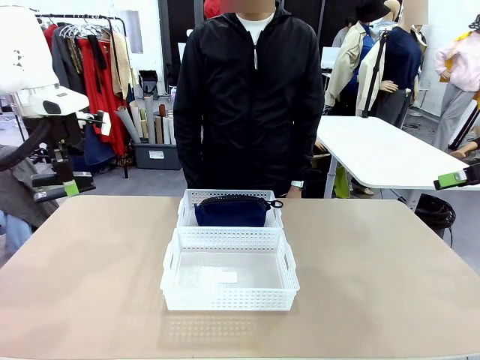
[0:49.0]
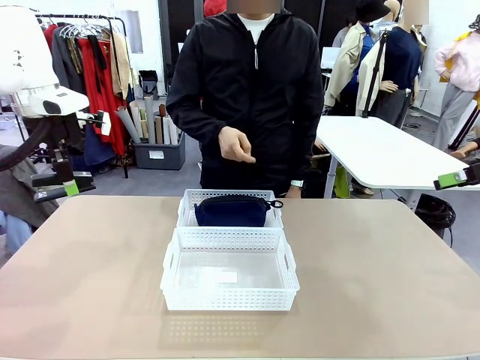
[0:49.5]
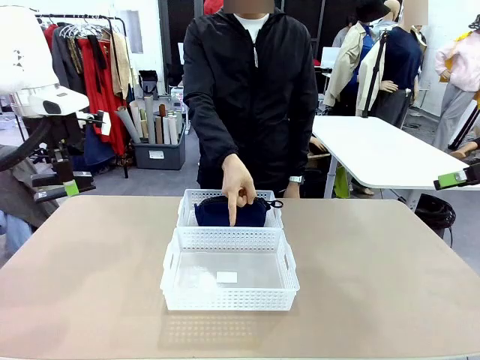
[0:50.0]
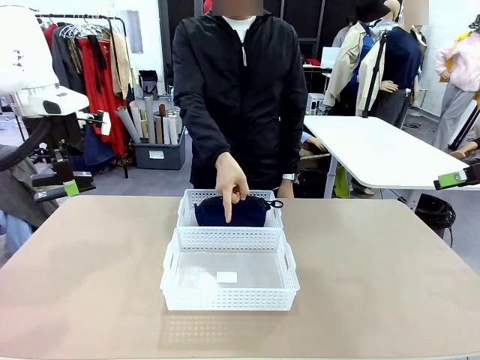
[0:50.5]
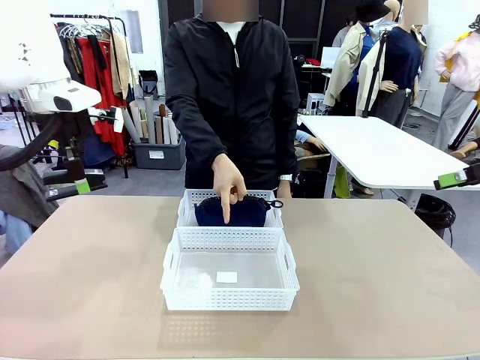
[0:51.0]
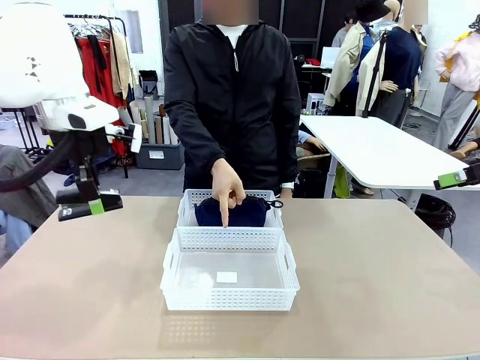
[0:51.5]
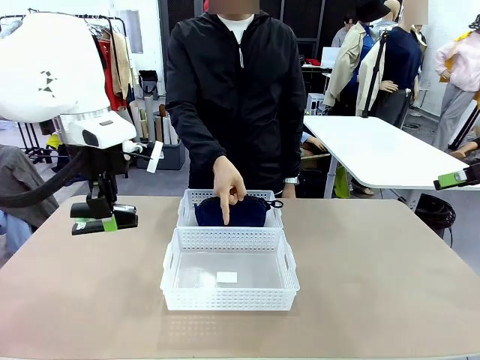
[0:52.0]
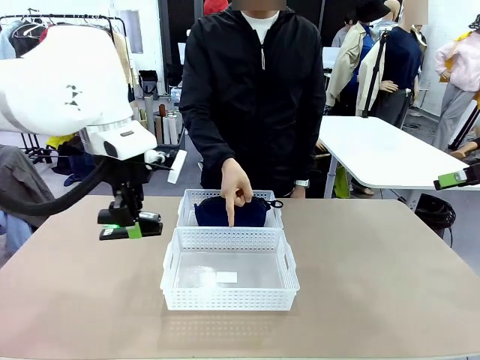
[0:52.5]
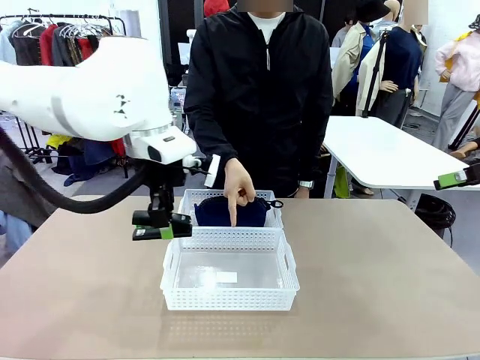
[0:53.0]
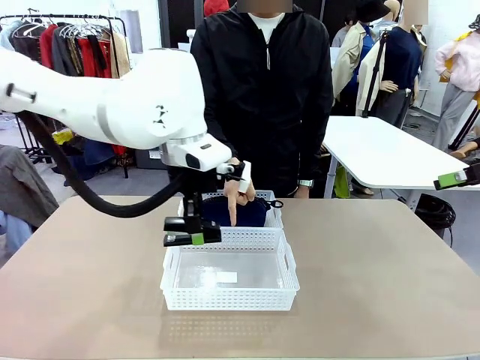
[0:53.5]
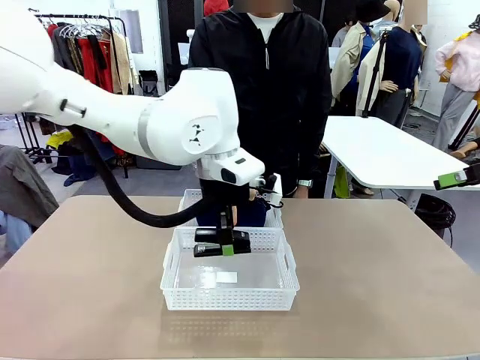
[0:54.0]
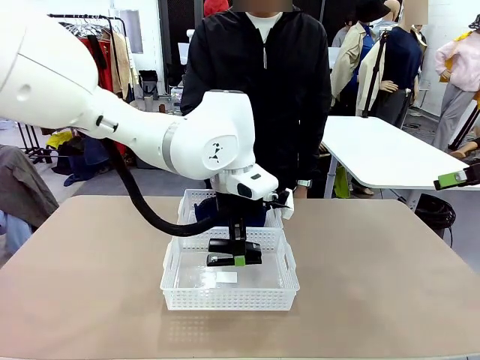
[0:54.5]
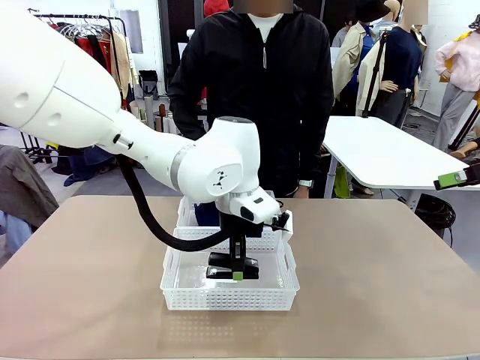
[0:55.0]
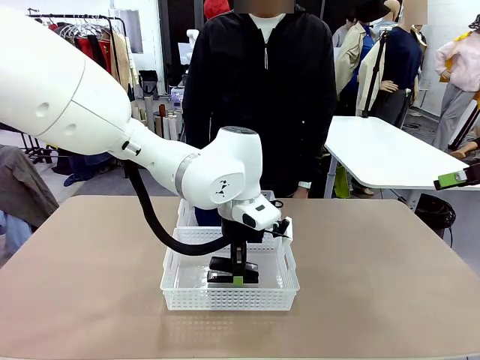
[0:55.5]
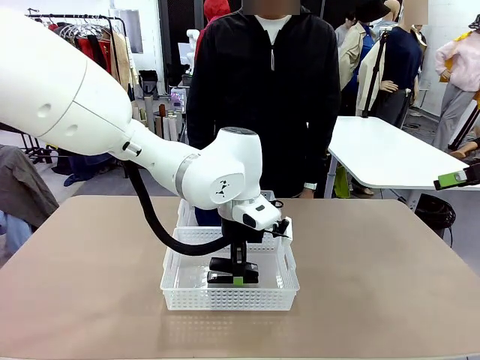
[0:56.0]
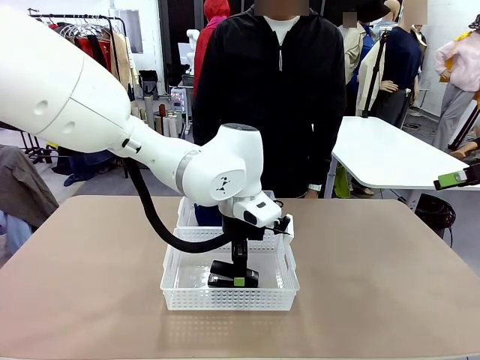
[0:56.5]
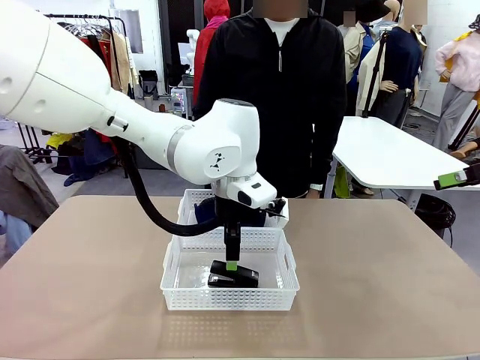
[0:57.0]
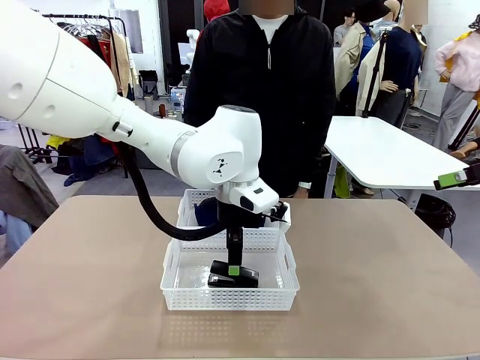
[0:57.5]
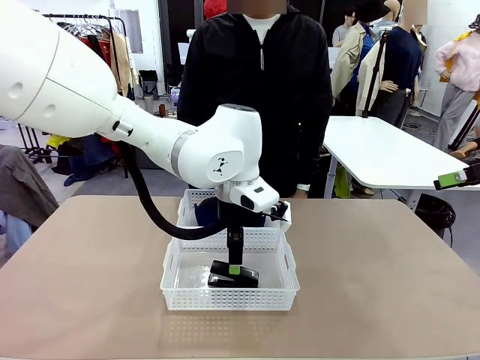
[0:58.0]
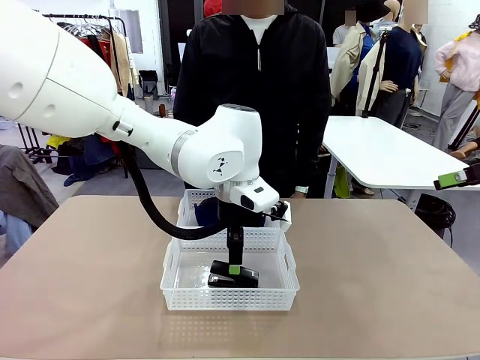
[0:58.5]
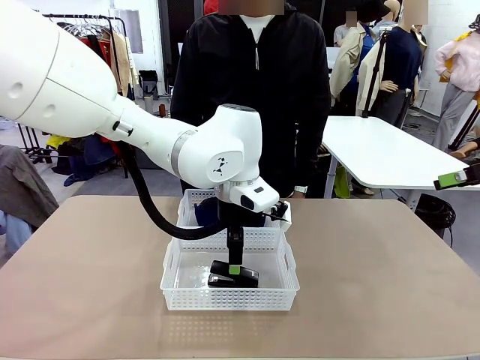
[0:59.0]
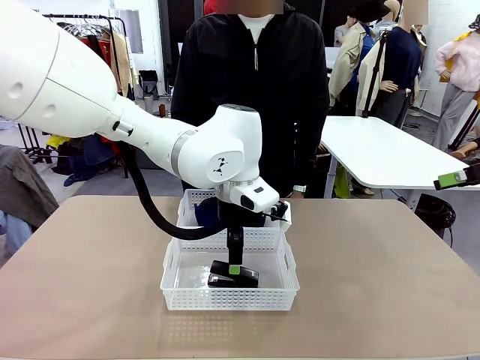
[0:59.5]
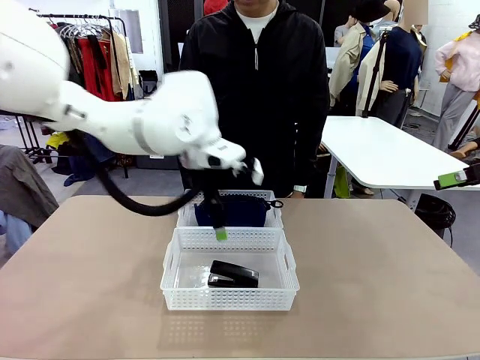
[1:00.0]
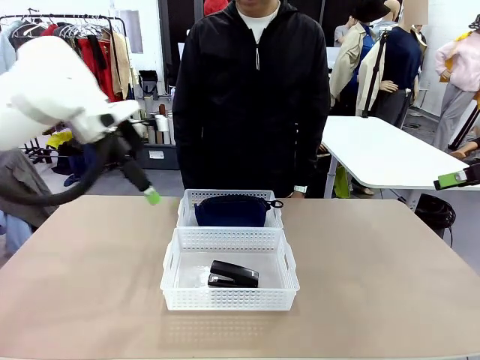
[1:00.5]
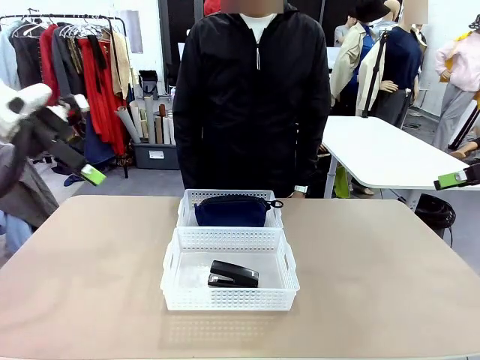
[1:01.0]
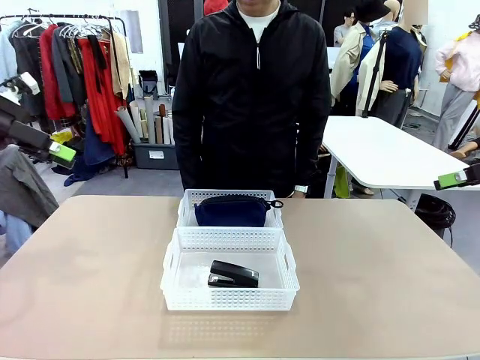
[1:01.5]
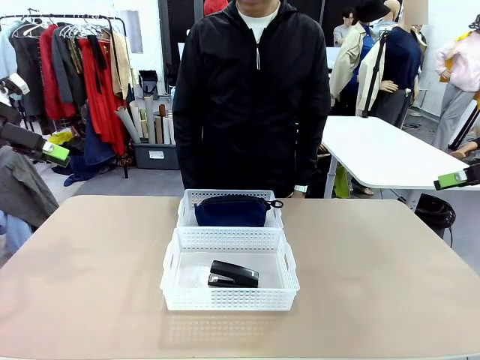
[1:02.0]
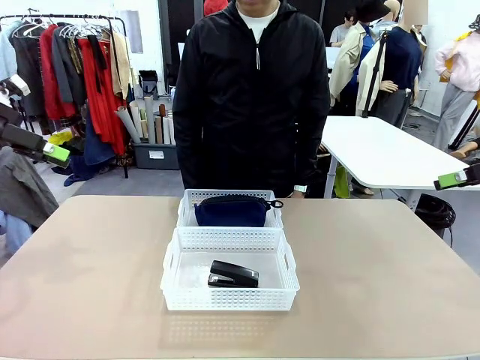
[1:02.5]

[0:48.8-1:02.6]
Task: Distribute items into two baskets.
Robot: Place the picked Stapler into the Organizing basket as instructed by the person.
Person: Points to the basket that does not contain the pencil case and instructs the robot to move the stapler there.

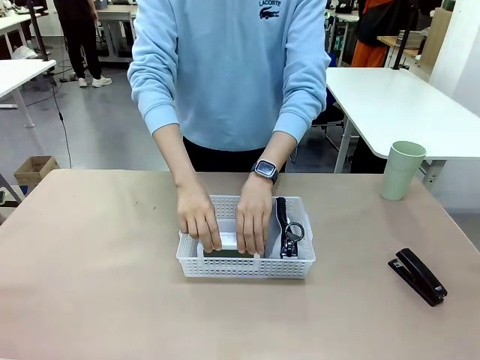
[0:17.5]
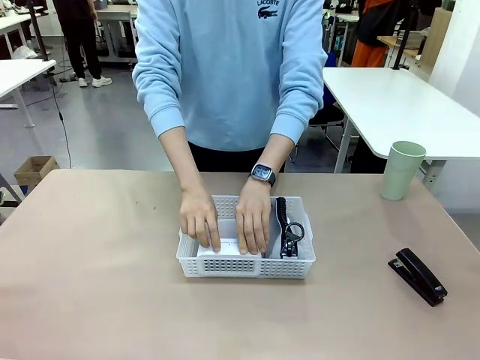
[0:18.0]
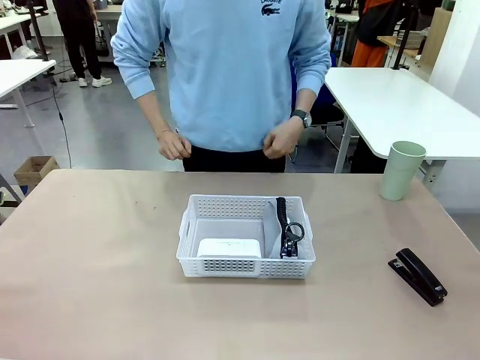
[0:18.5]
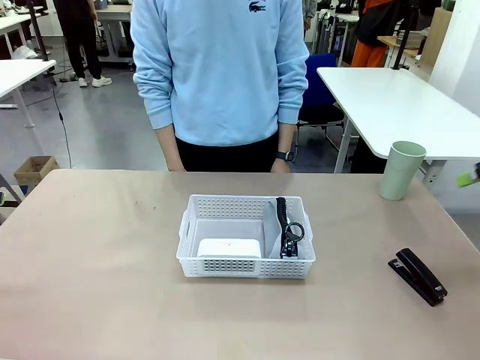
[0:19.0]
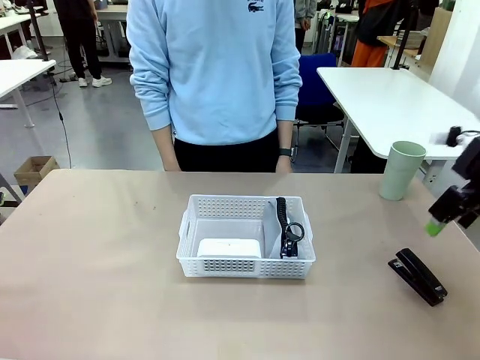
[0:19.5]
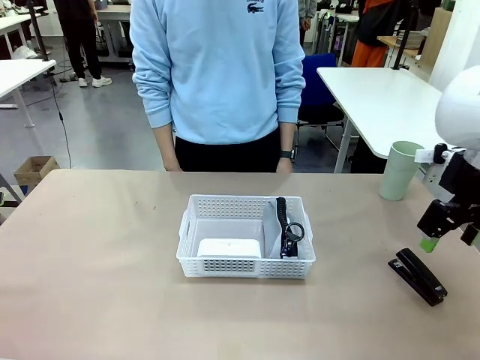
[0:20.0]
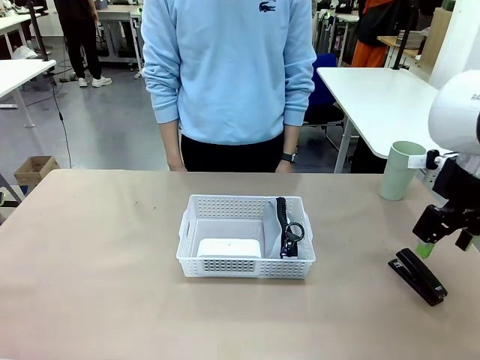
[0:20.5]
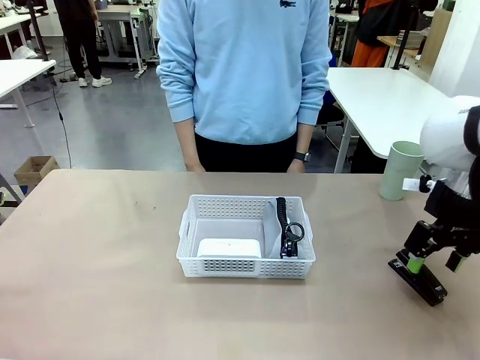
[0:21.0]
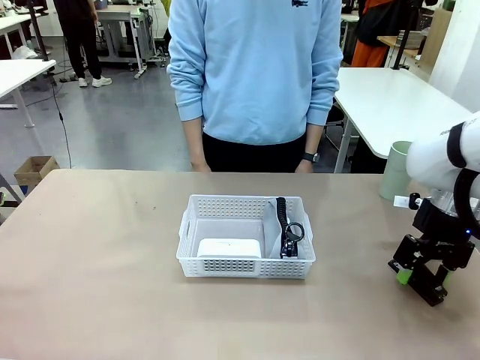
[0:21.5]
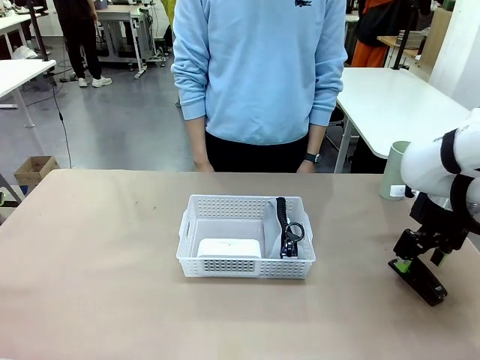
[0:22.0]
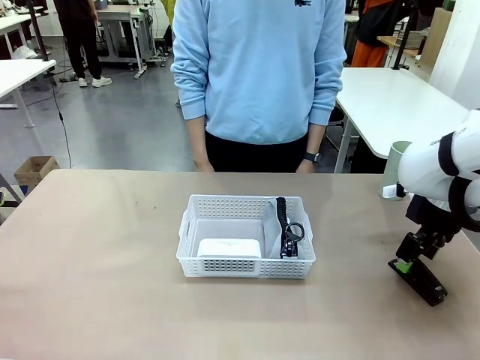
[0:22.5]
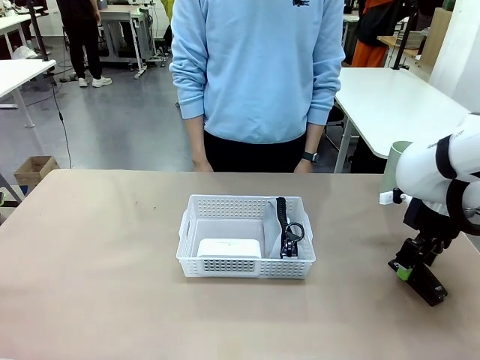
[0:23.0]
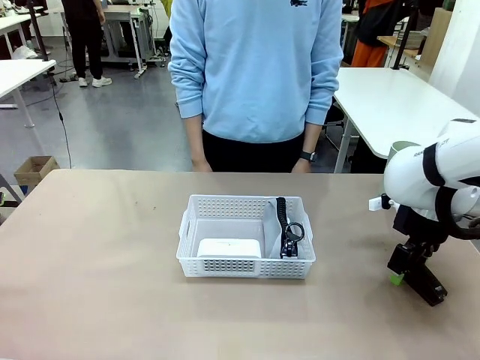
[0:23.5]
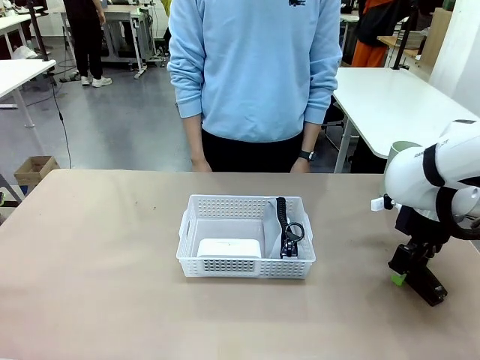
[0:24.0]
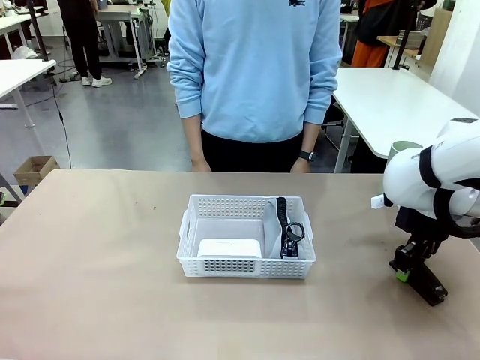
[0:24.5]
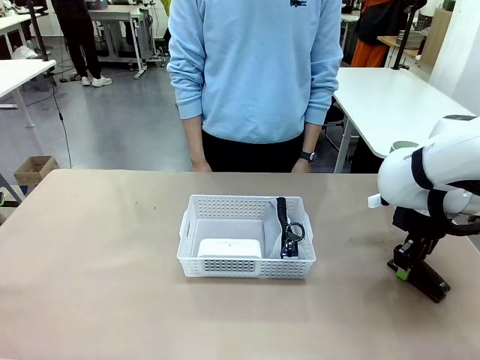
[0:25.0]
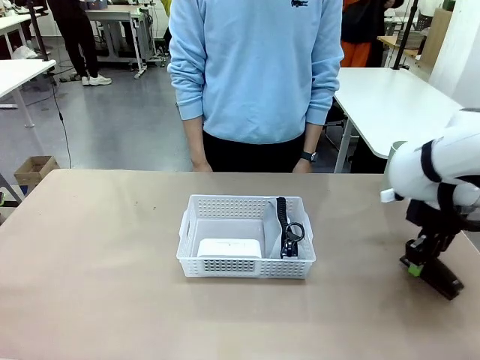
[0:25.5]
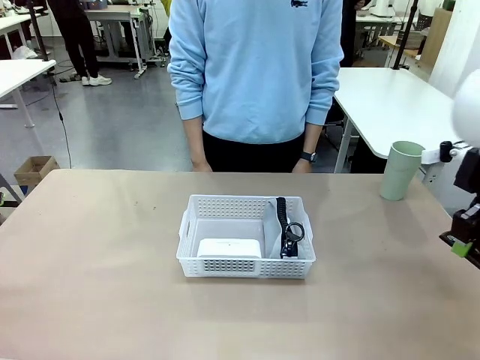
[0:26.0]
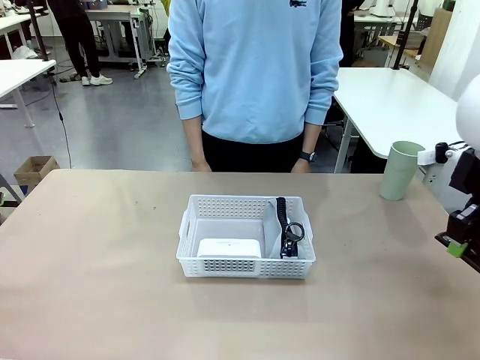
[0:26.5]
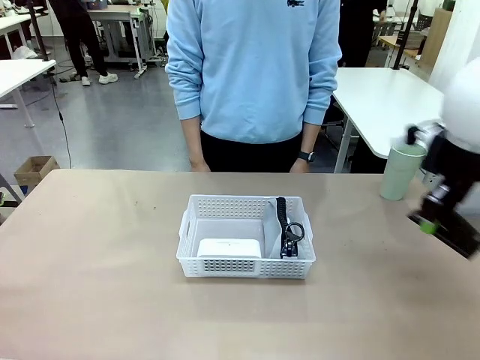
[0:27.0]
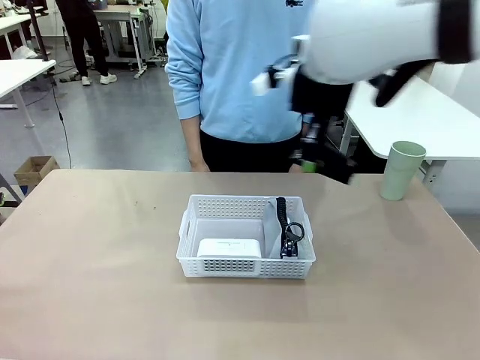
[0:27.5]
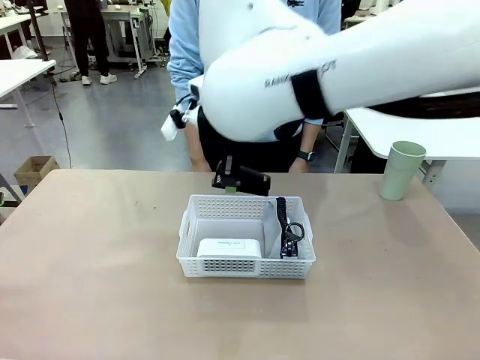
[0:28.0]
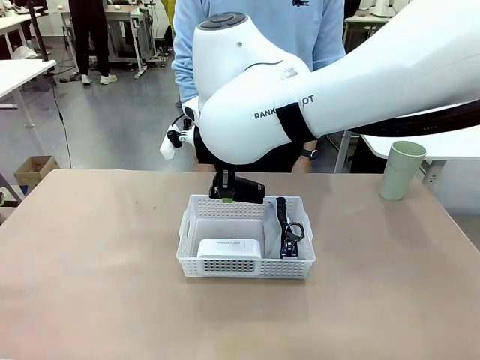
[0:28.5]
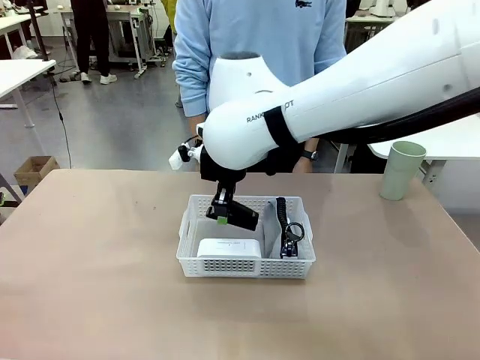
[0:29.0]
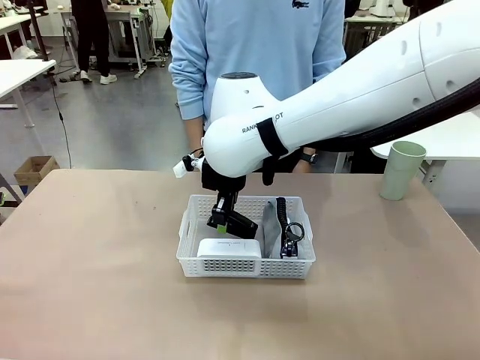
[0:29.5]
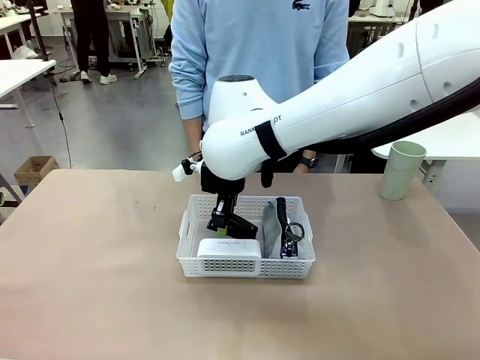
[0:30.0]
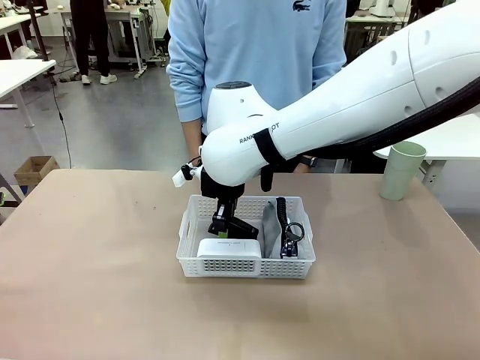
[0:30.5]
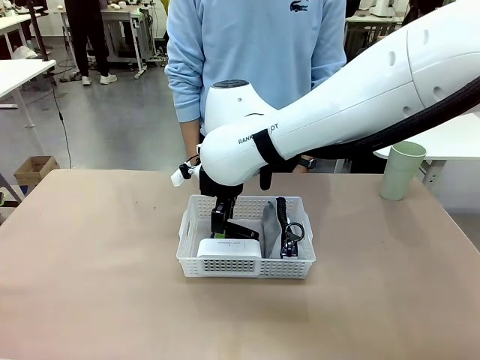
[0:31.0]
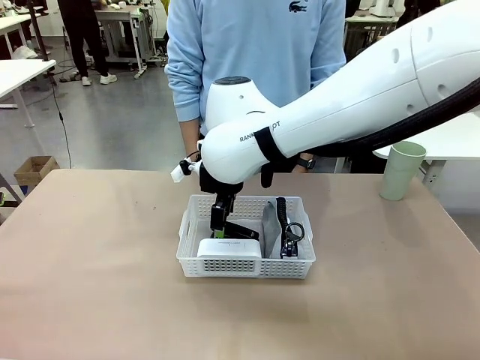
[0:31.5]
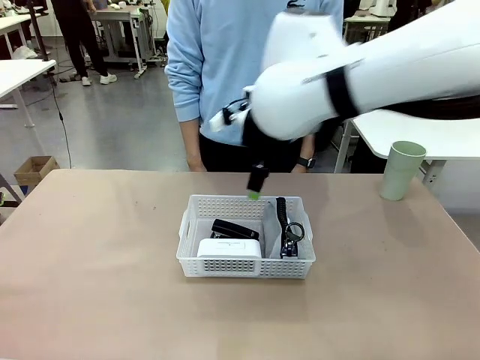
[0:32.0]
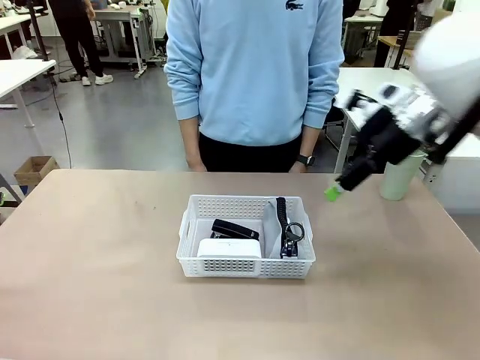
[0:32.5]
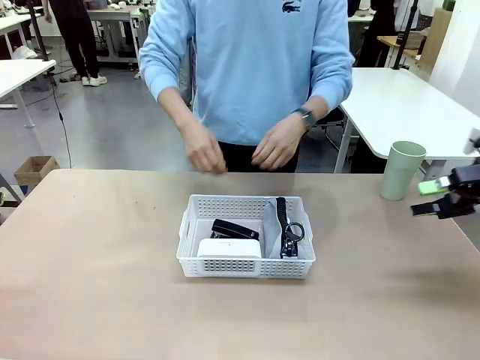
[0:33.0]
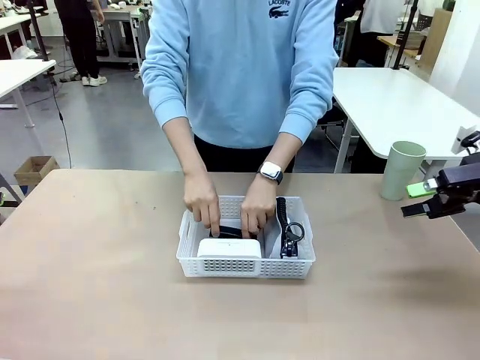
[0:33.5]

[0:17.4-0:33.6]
Task: Efficiently arrange items inside the basket to fit them all.
Robot: Pick up the Stapler and place it inside the Organizing basket.
